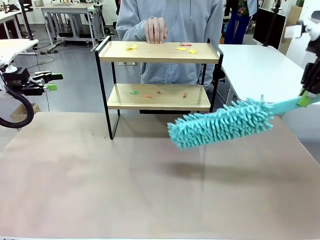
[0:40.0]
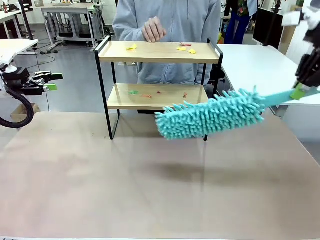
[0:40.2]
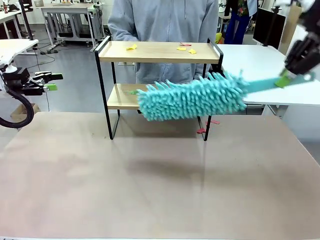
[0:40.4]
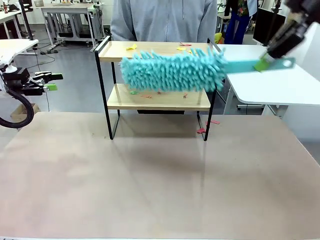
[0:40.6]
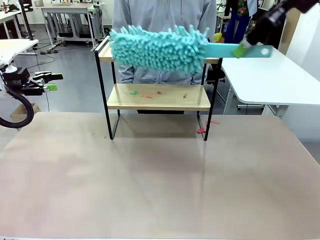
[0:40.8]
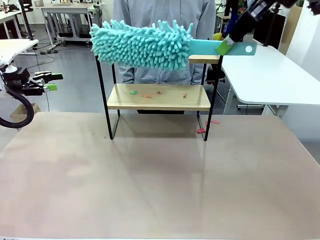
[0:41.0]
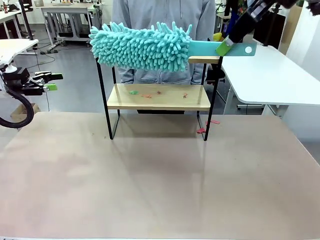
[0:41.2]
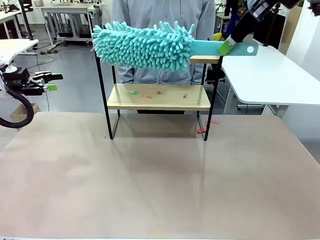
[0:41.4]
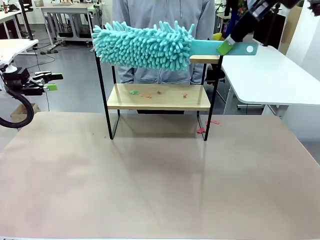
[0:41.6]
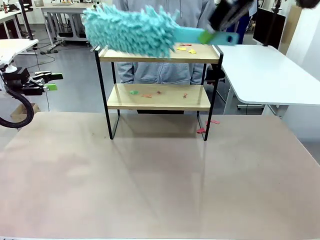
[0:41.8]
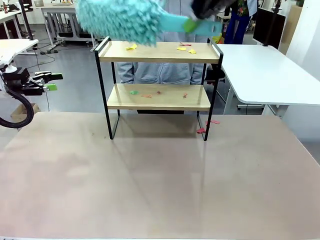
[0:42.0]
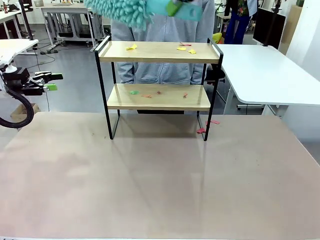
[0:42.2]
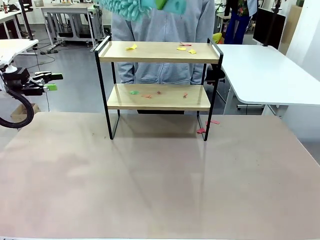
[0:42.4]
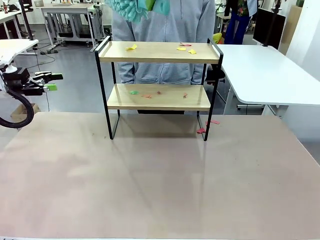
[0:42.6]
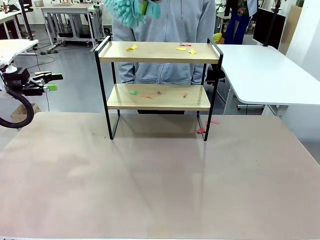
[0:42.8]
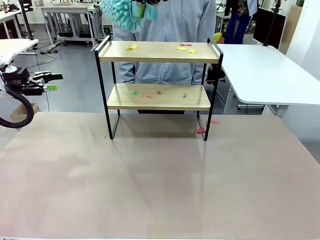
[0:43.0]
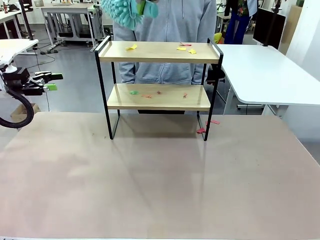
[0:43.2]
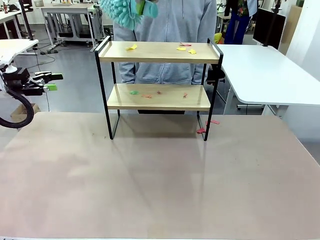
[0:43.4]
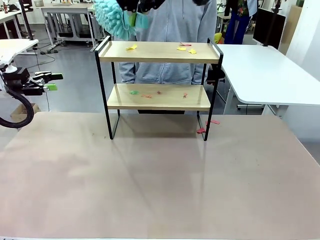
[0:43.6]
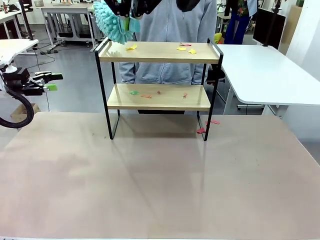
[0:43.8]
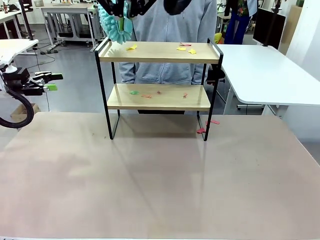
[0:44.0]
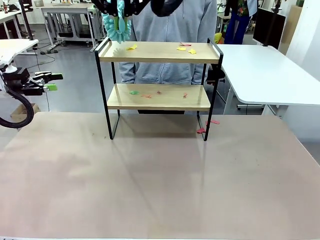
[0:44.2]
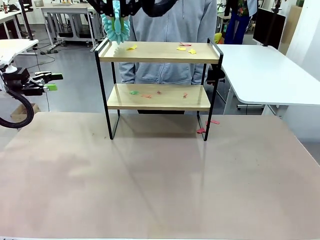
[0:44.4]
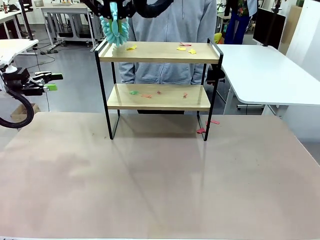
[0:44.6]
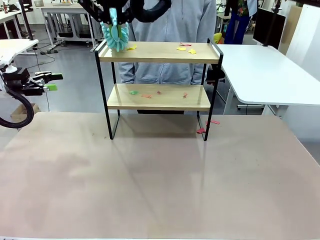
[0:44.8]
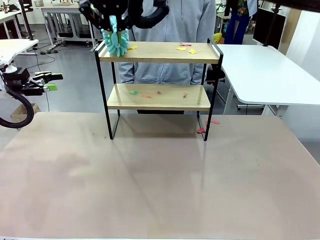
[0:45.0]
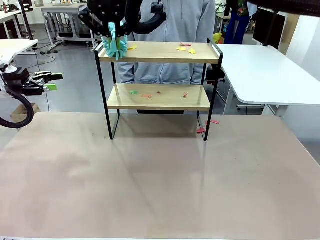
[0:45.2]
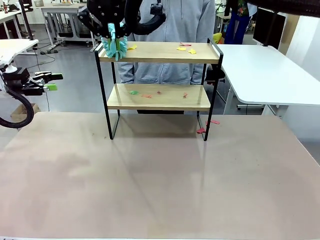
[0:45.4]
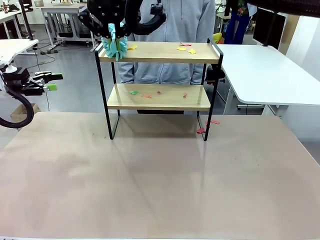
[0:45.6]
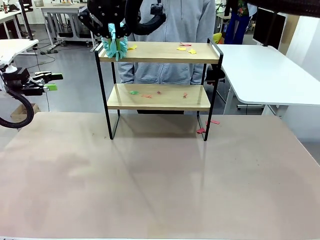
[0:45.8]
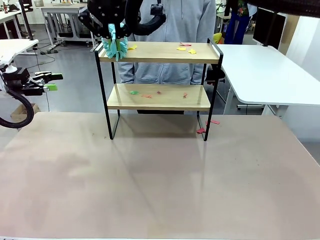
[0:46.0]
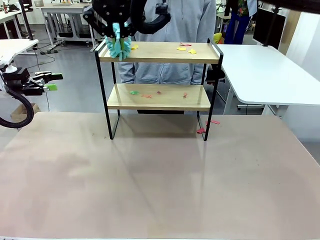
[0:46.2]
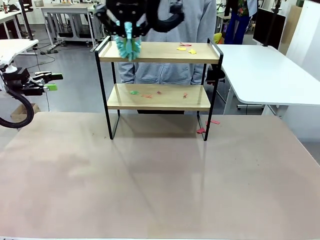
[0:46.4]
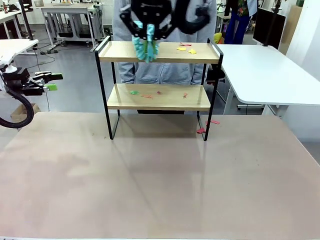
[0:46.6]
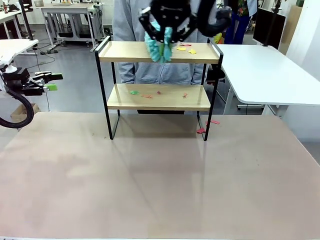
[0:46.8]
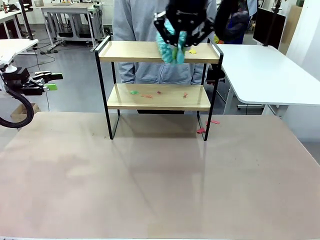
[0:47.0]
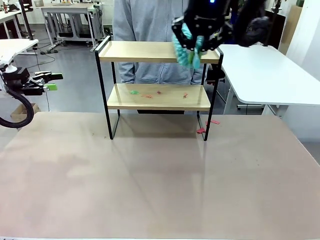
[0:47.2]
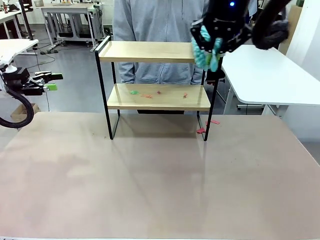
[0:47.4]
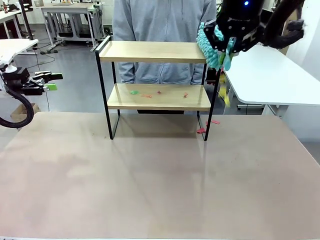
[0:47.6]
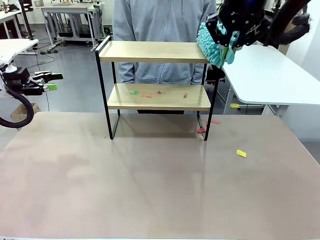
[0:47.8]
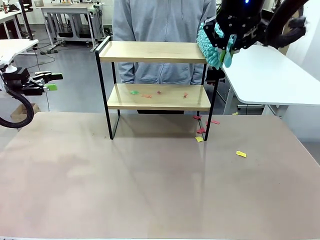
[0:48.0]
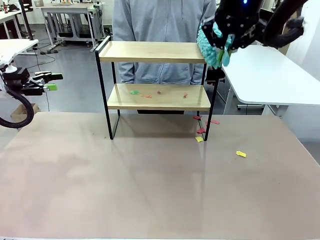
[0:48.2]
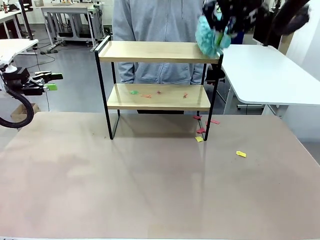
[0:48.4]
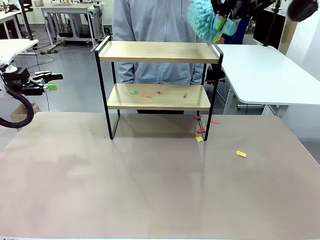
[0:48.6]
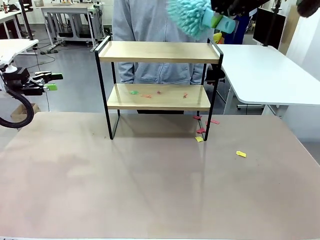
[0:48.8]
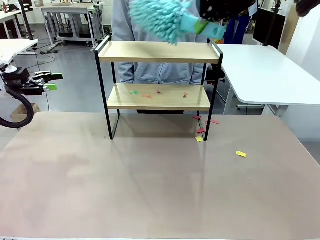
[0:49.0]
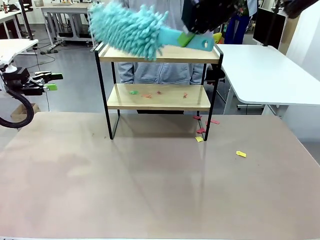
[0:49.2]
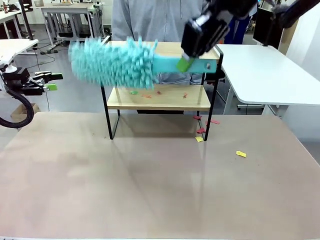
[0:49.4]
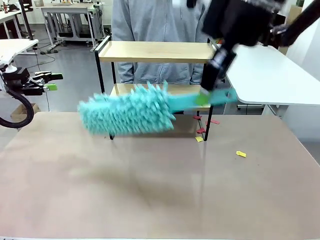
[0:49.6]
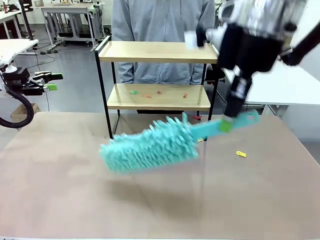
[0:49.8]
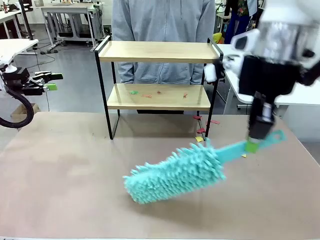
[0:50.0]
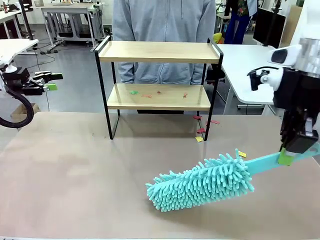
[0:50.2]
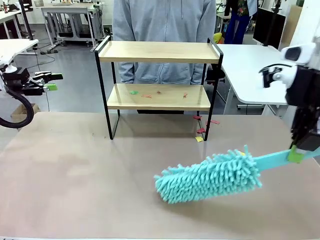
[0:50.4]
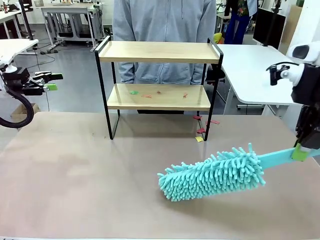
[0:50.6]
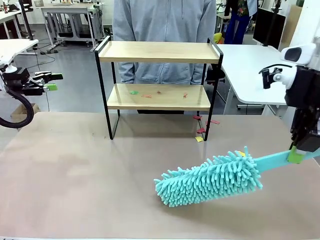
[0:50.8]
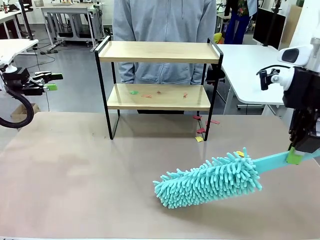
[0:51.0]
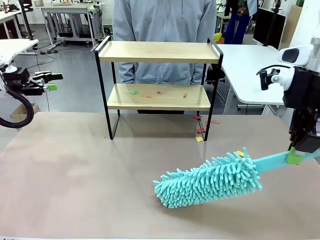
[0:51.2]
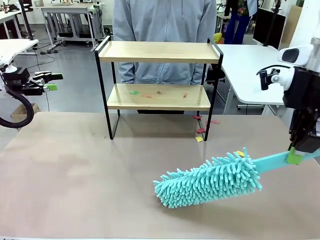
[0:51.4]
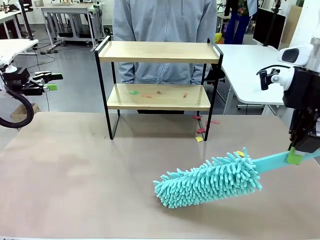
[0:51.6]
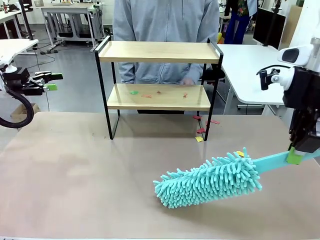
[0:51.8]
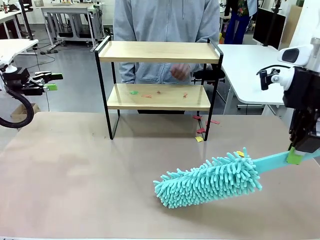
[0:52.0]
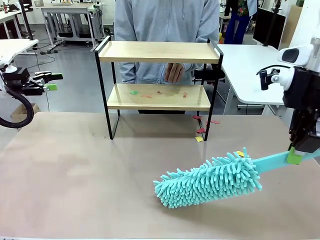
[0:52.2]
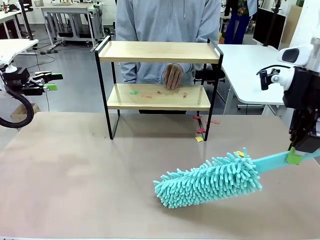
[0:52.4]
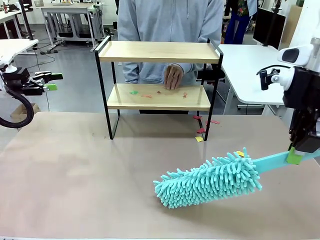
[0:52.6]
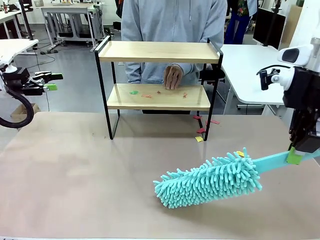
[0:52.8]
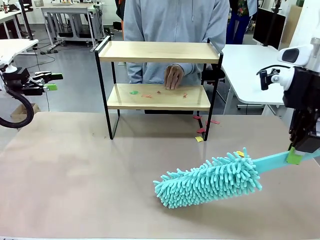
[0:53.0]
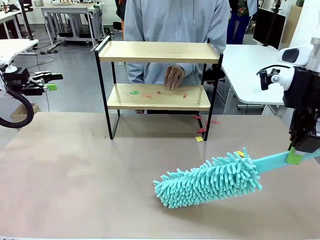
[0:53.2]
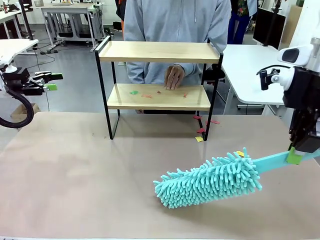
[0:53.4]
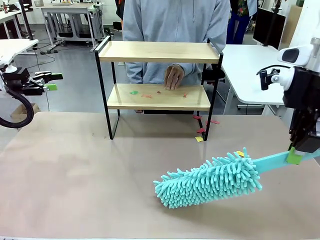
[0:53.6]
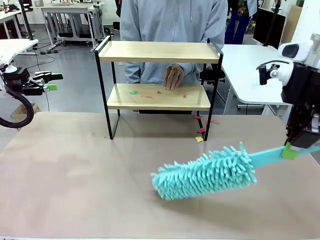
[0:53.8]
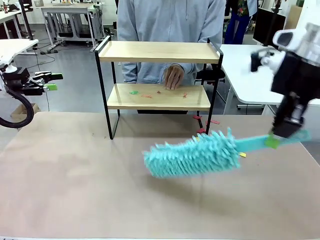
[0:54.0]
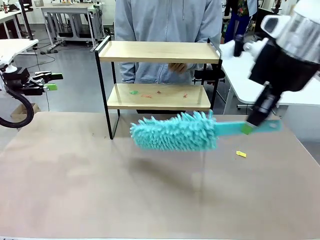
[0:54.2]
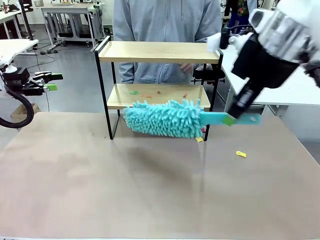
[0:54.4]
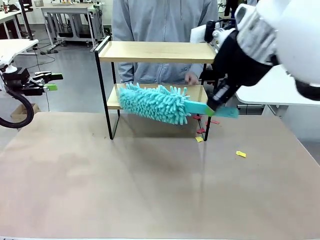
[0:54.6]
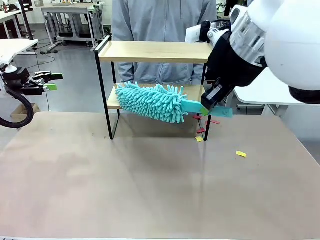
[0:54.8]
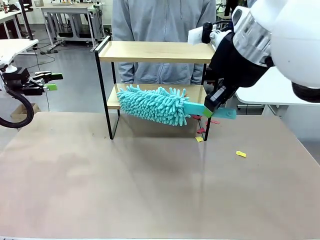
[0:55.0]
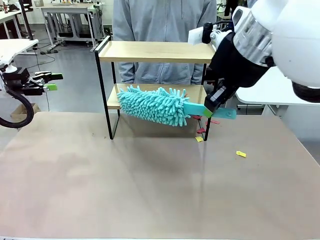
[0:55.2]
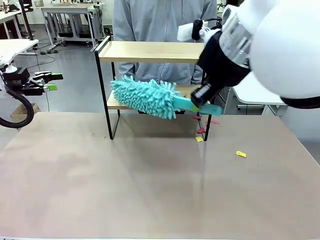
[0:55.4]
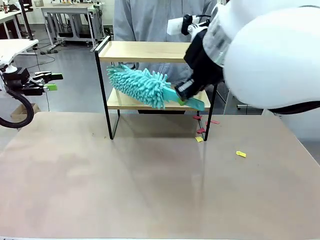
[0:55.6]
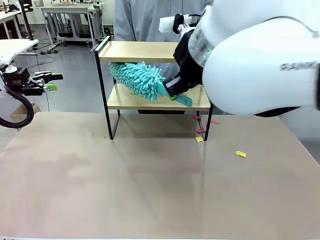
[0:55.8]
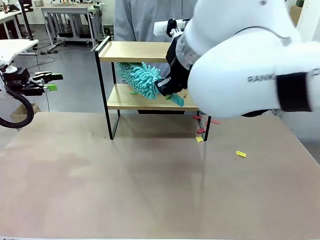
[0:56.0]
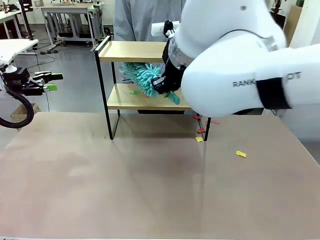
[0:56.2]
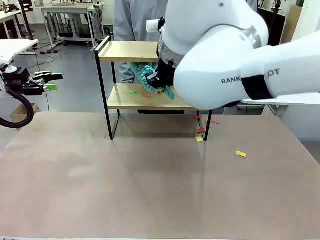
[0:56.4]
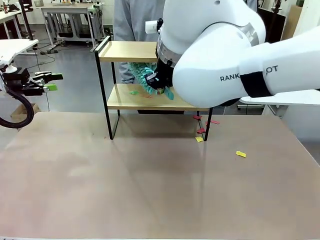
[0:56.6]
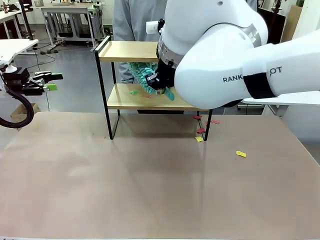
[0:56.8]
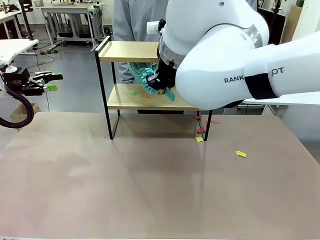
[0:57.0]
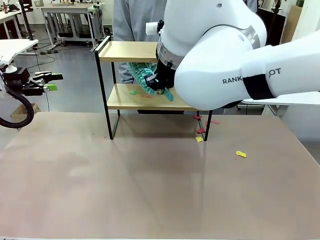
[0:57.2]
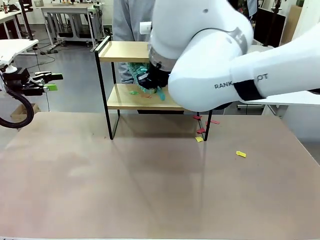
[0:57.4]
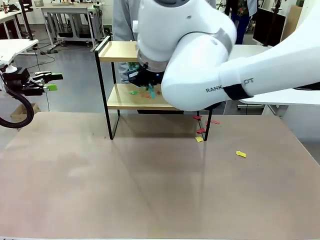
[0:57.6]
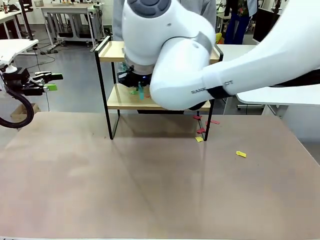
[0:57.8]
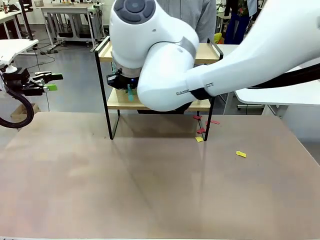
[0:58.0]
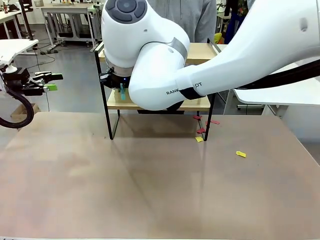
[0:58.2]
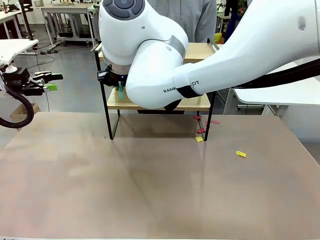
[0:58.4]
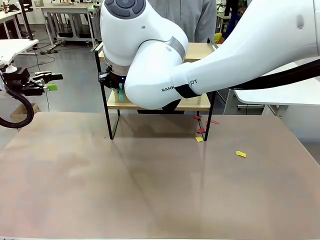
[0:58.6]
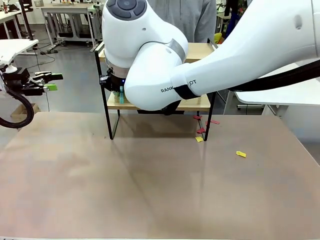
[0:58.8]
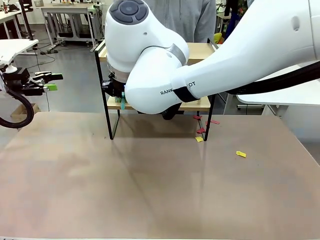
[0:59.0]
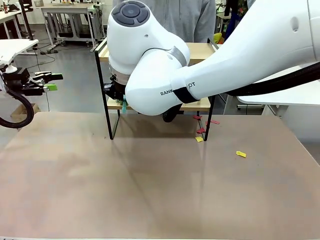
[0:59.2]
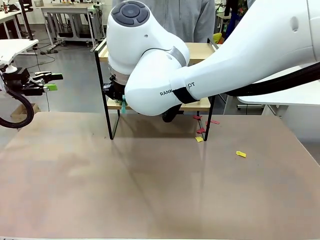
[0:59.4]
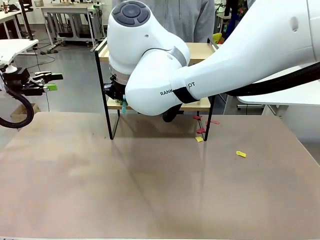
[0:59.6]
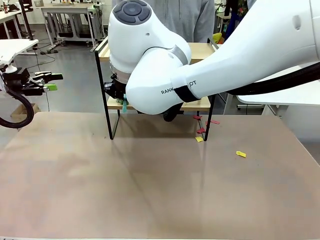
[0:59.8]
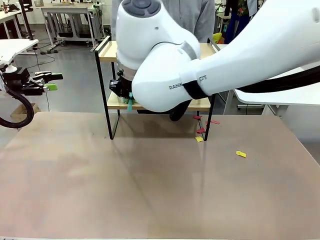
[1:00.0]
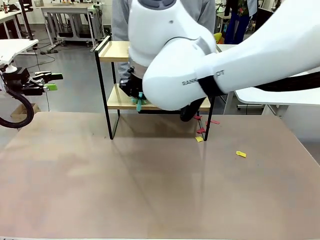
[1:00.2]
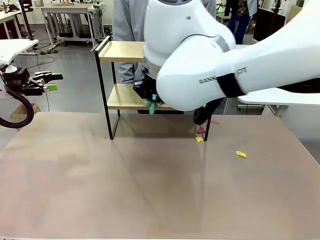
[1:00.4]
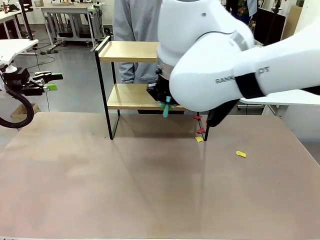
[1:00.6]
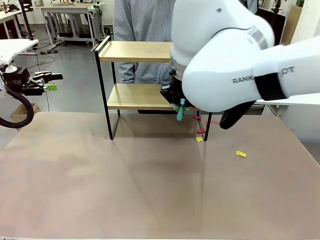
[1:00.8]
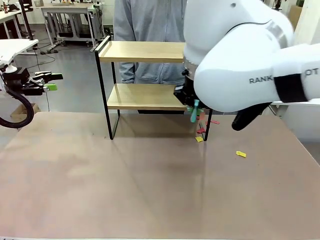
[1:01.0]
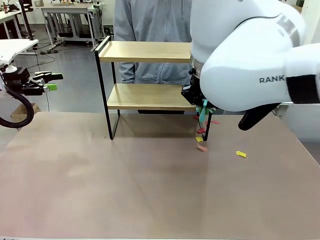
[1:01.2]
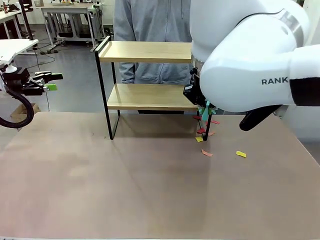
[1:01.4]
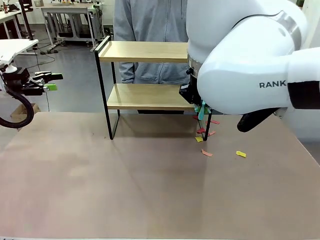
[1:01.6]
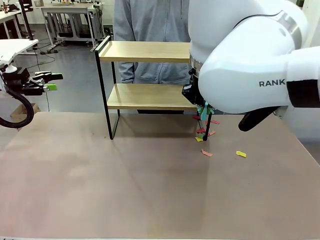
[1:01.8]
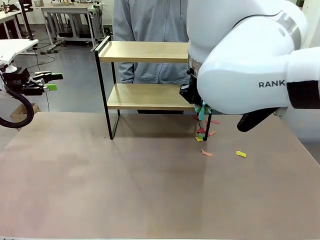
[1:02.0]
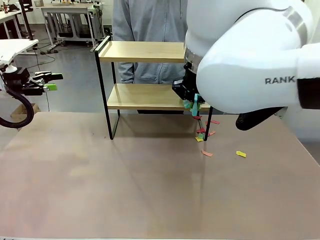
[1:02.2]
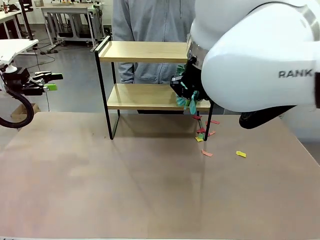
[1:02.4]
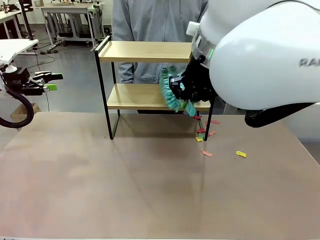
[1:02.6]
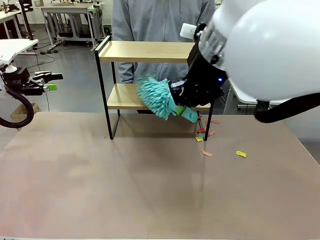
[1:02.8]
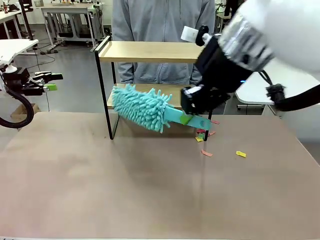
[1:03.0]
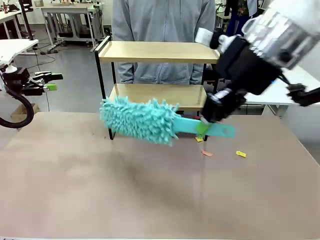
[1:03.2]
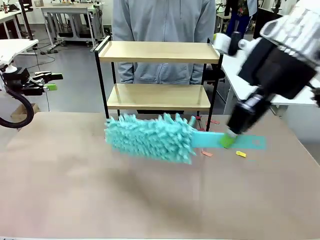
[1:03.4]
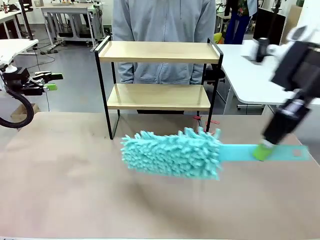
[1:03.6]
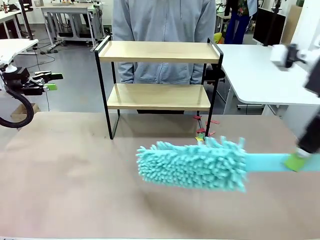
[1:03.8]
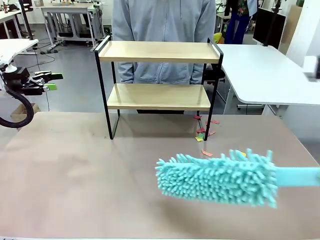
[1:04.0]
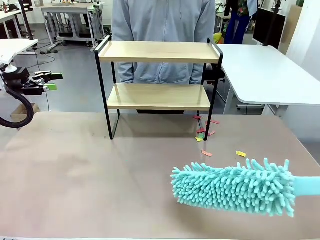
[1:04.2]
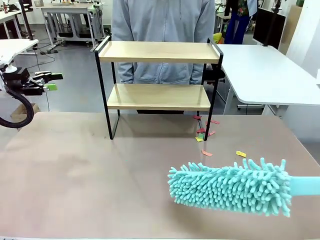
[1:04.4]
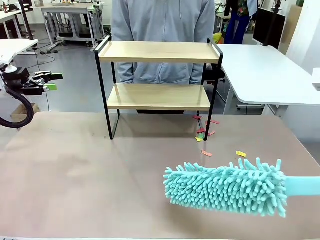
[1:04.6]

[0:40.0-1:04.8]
Task: Clean the shelf.
Robot: Clean the specific section of the Shelf indicated by the human with the Duster.
Person: Point a remaining section of the Shelf.
